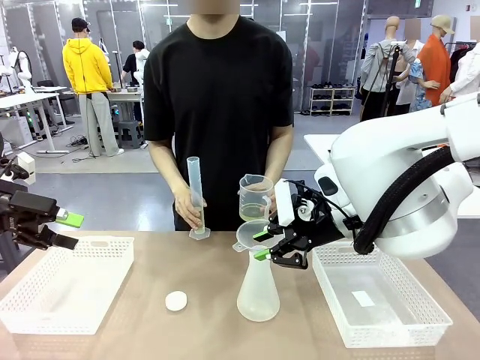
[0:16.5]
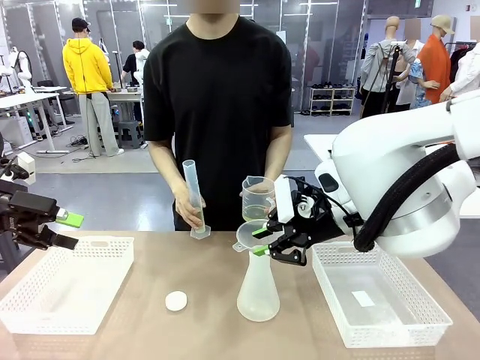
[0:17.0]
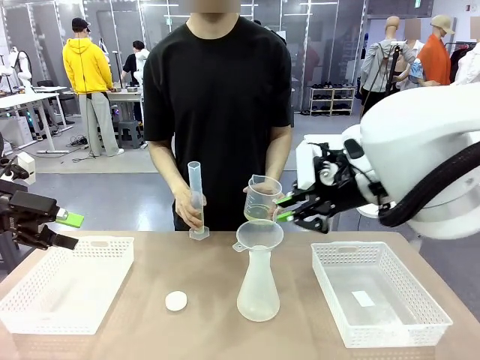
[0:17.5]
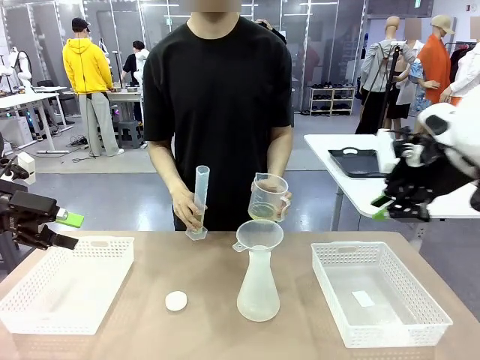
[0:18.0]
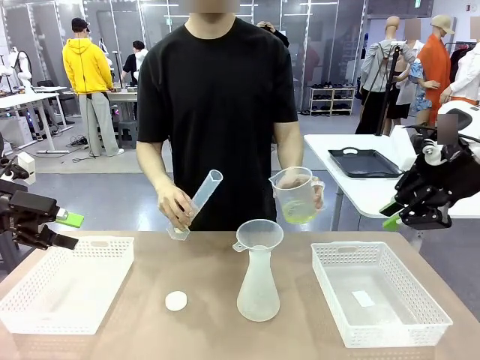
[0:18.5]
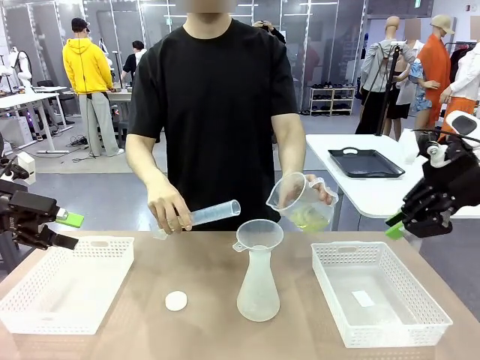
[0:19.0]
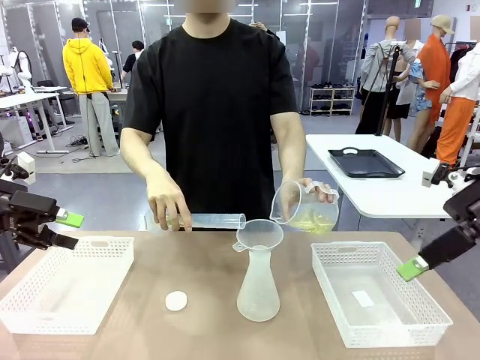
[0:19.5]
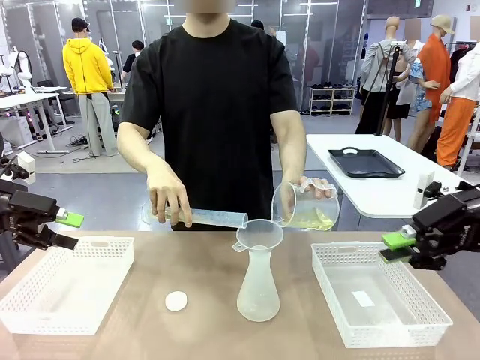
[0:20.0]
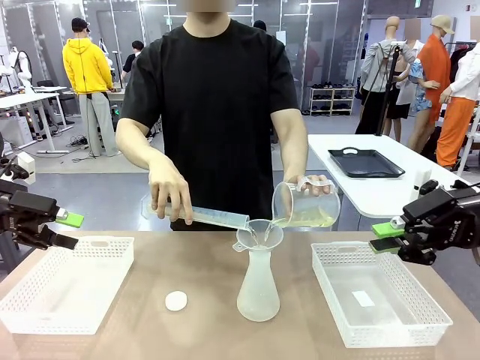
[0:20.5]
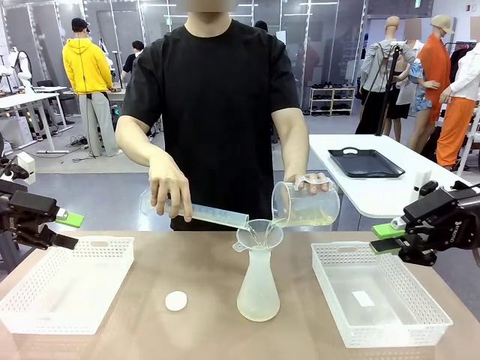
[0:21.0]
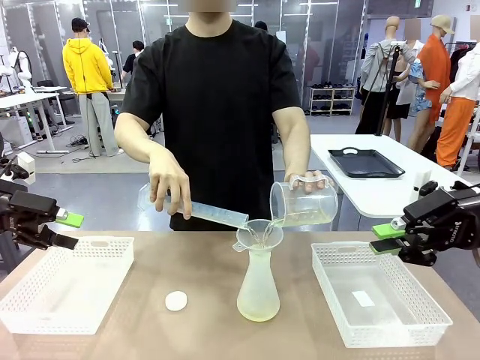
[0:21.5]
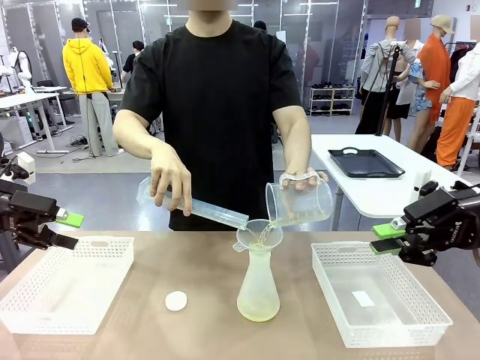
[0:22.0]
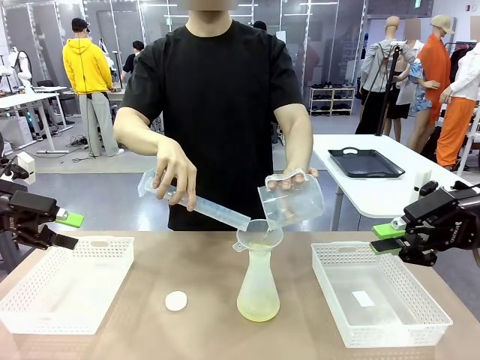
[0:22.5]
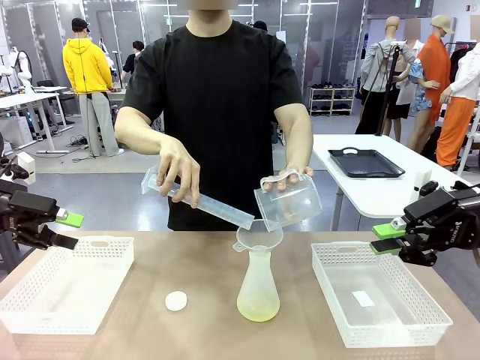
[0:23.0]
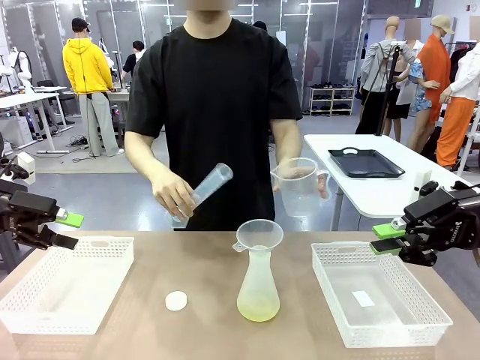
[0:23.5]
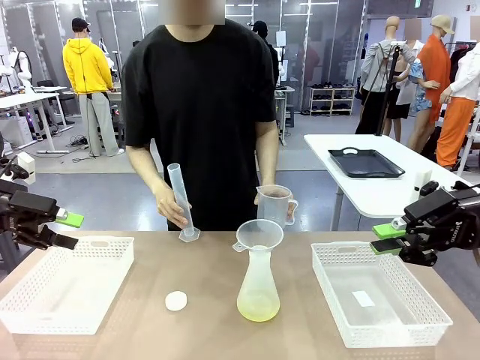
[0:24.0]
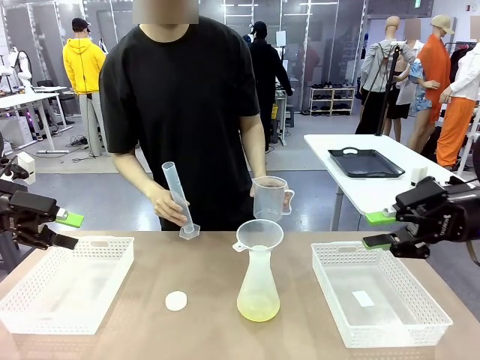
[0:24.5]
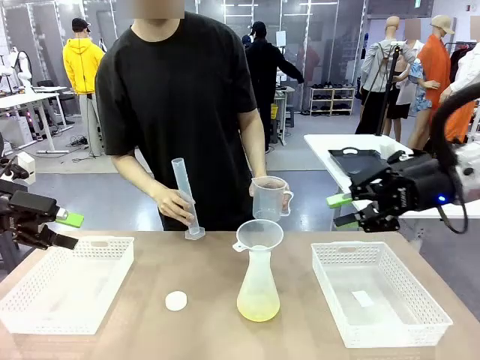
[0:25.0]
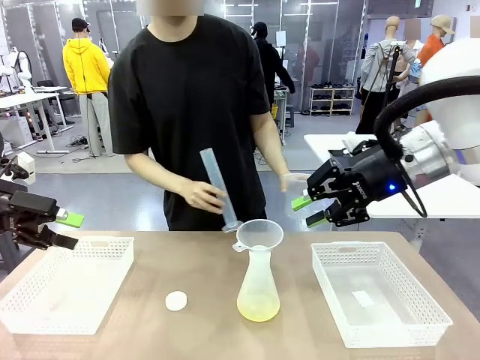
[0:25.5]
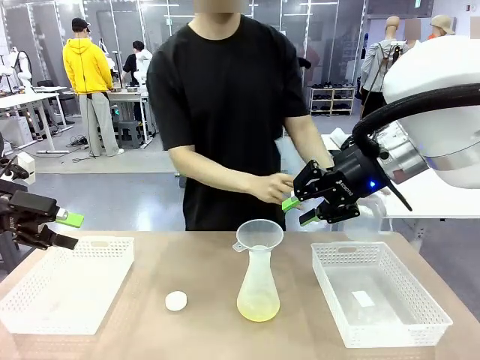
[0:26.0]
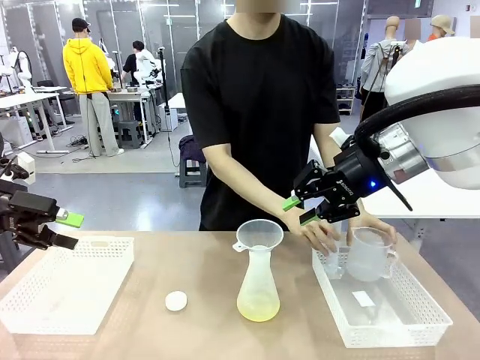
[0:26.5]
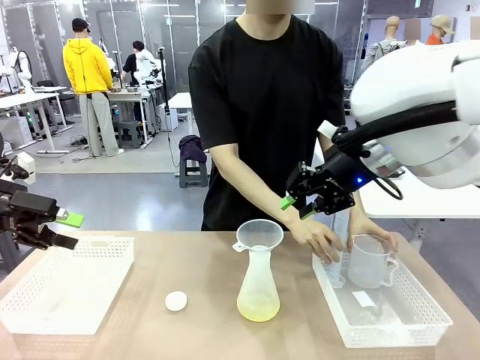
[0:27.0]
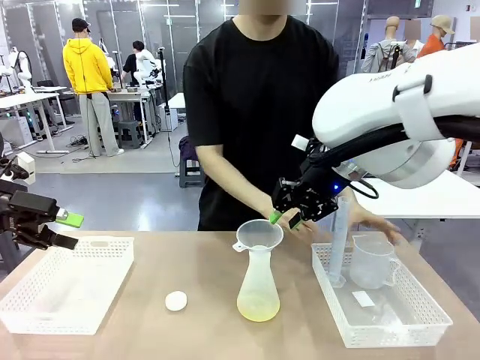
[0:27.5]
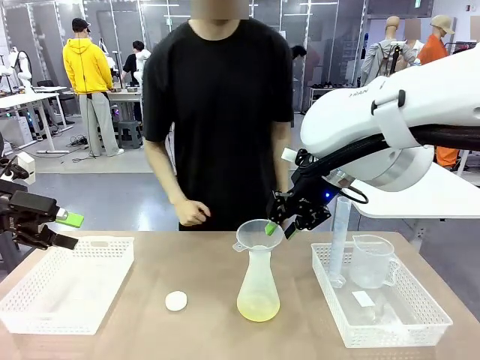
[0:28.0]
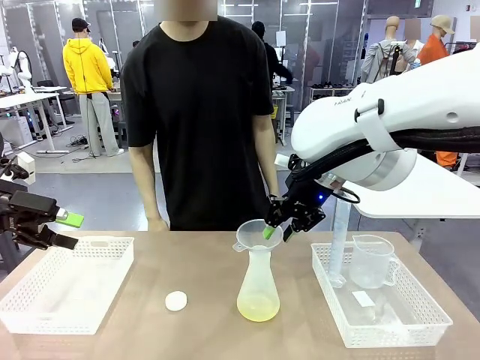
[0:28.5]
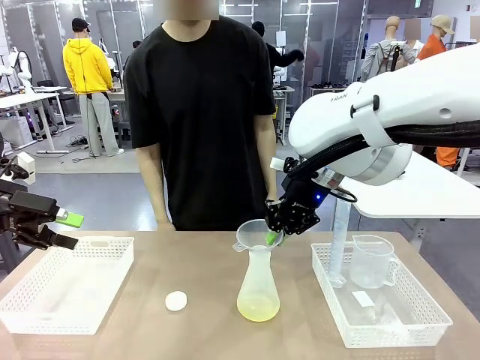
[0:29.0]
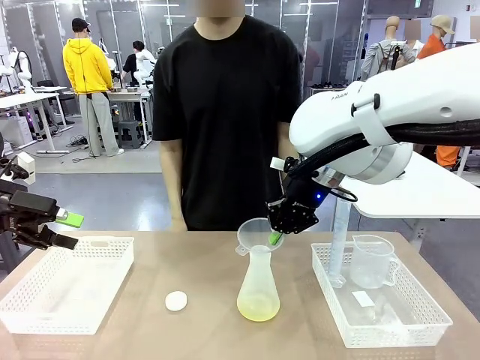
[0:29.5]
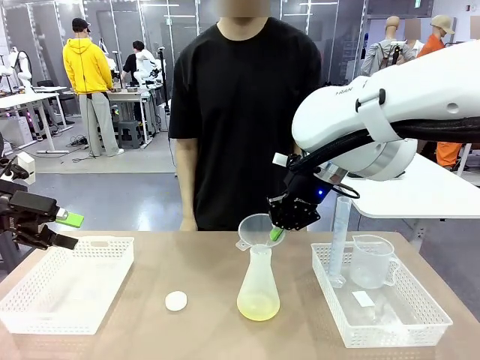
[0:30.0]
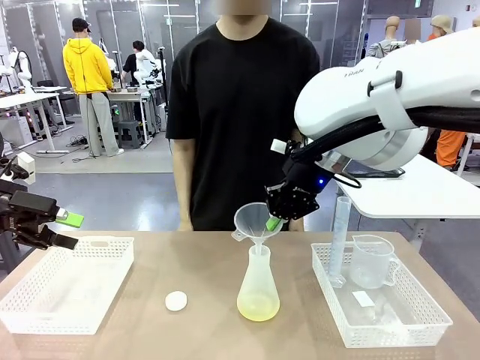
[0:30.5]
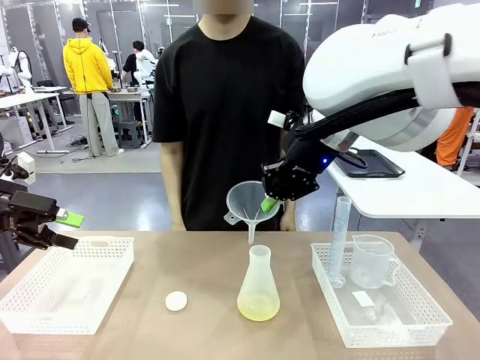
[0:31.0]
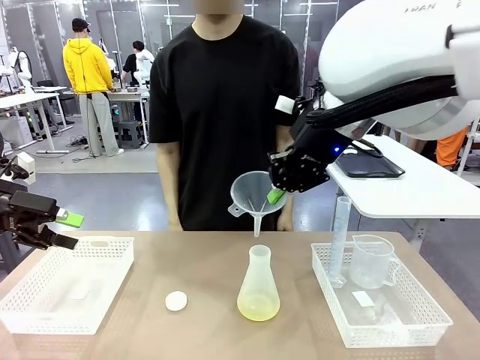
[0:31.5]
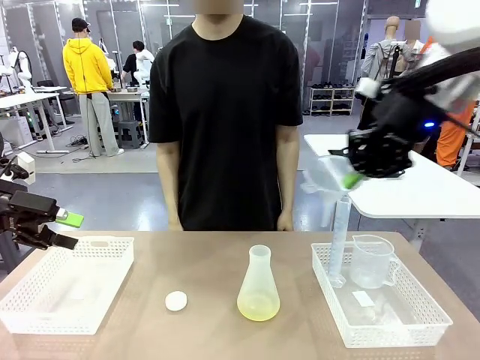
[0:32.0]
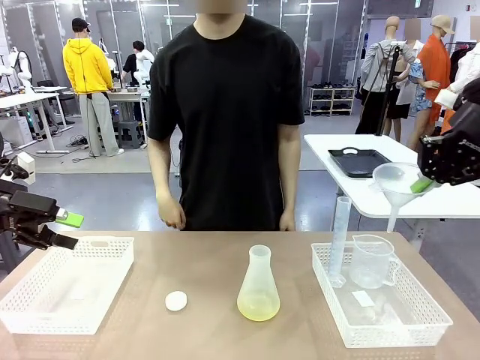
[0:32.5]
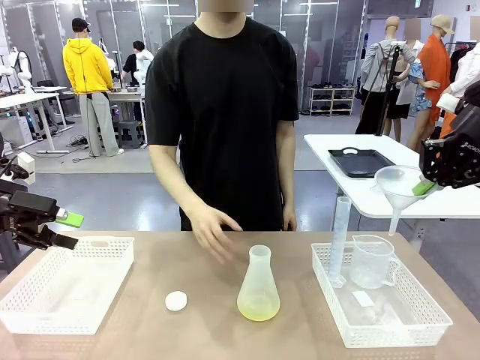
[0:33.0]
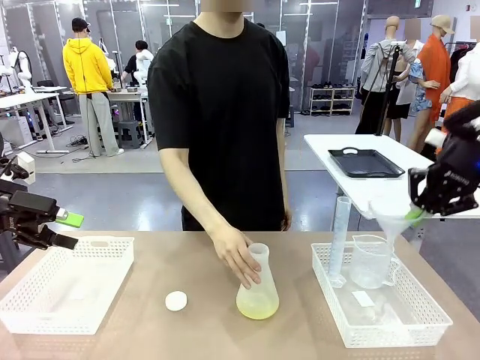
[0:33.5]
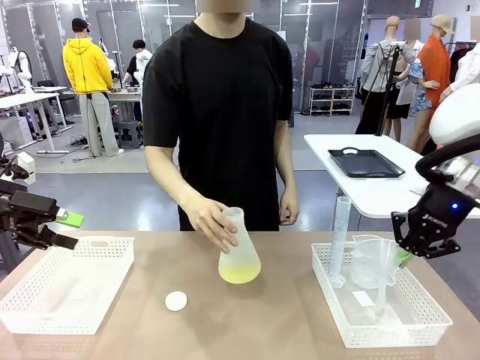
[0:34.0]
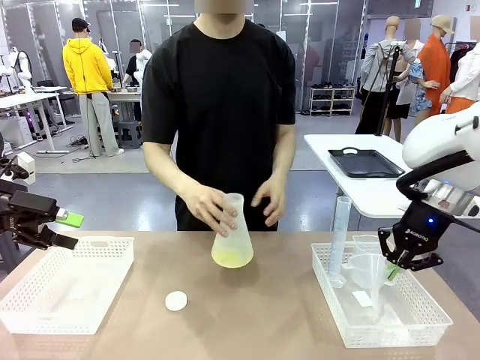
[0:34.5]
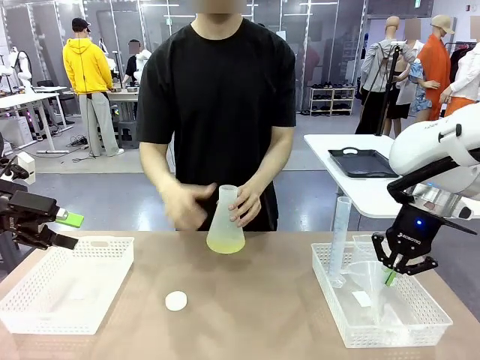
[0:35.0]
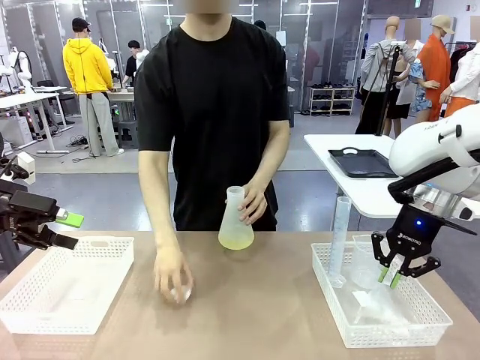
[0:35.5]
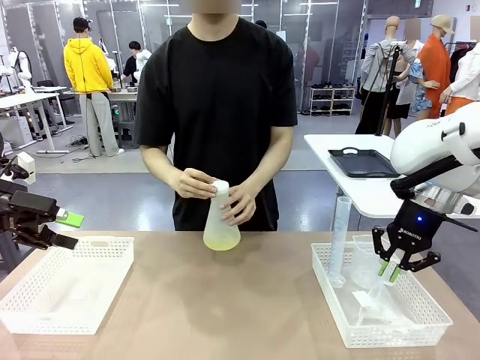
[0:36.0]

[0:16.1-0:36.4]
Task: Prepare the solutions needed for the experiment.
Robot: Once the solution is in the Big flask , pick up the Plastic Funnel and place it back into the right Organizing basket.
Person: Pour the solution from the beaker and the cylinder into the flask. Place the beaker and the cylinder into the organizing basket on the left side. Pick up the flask, gently shake it 2–3 times, place it in the middle of the robot table, and close the lid.

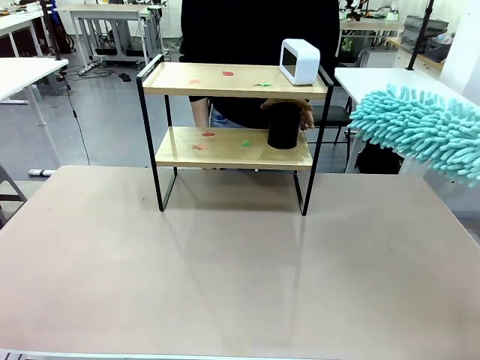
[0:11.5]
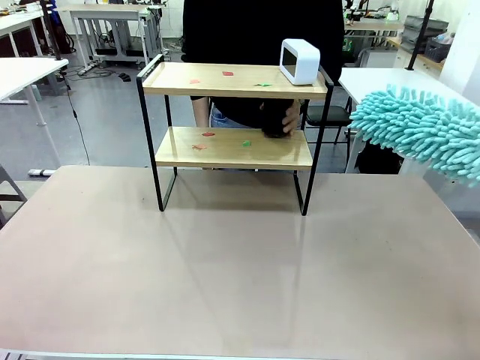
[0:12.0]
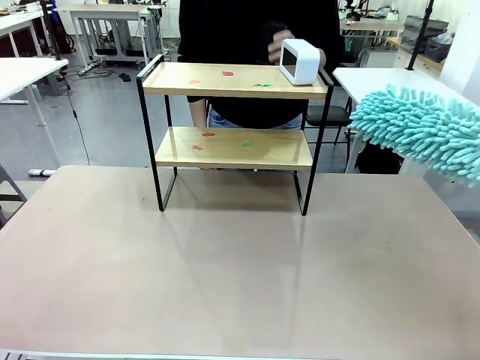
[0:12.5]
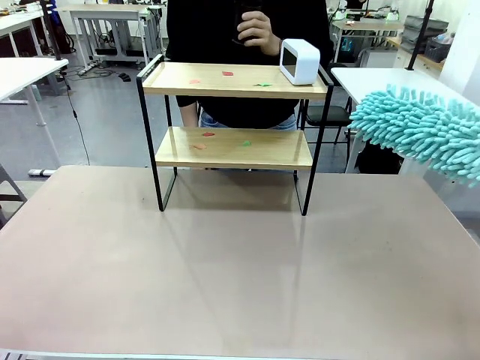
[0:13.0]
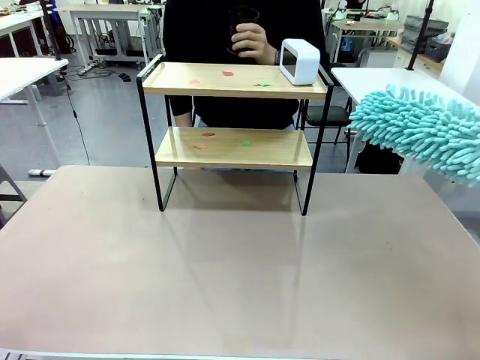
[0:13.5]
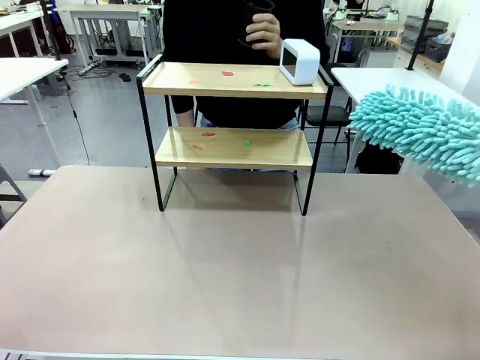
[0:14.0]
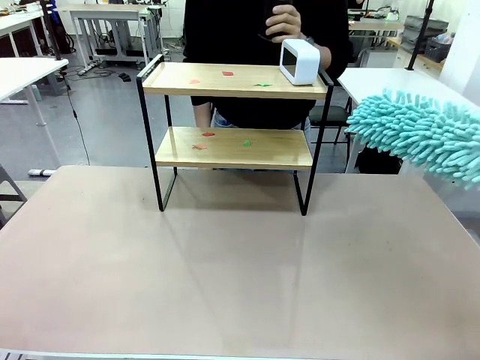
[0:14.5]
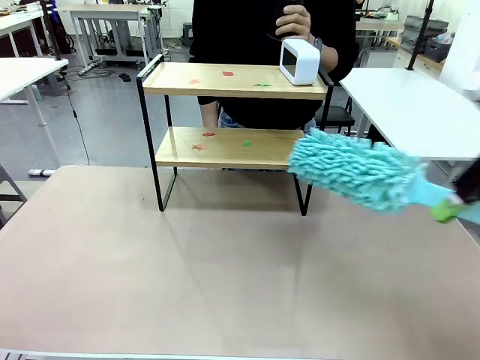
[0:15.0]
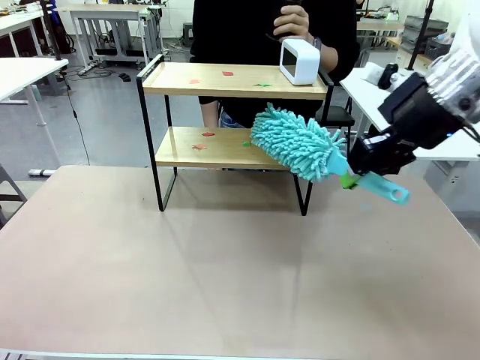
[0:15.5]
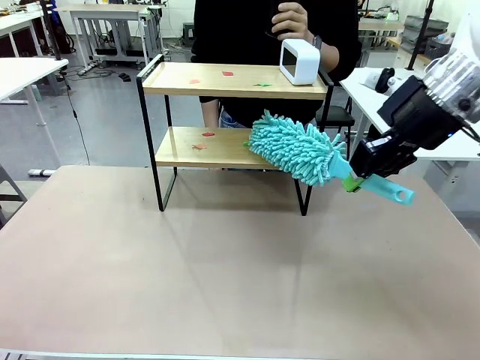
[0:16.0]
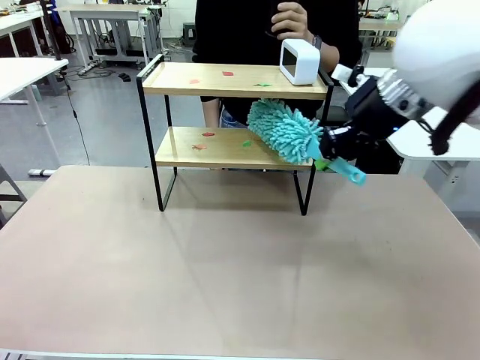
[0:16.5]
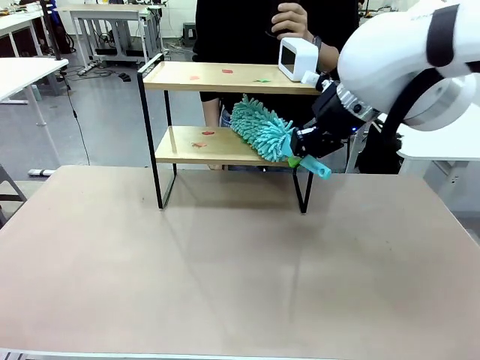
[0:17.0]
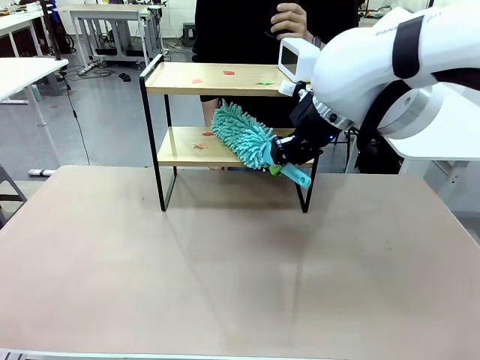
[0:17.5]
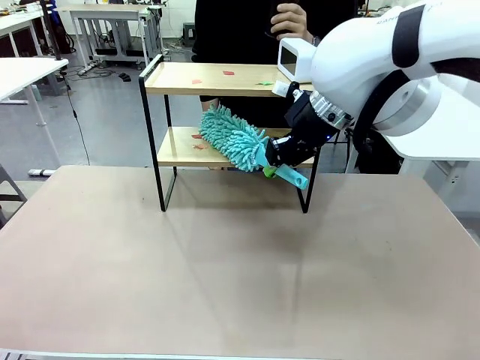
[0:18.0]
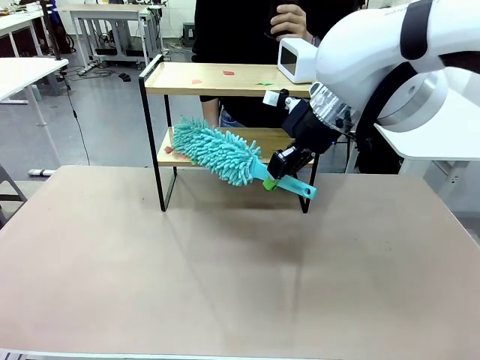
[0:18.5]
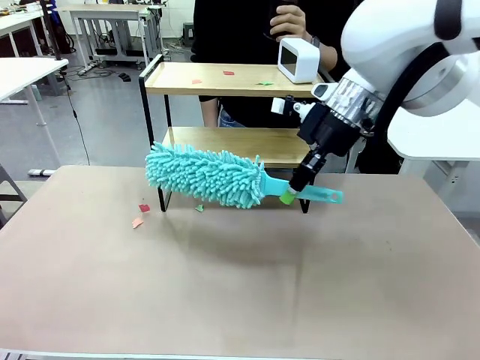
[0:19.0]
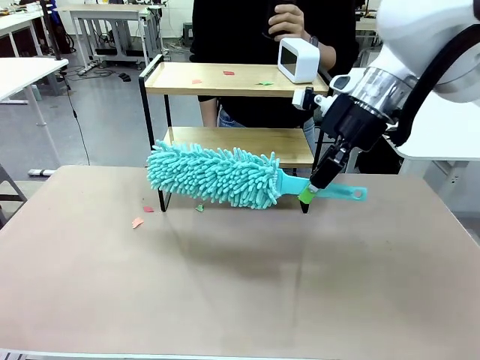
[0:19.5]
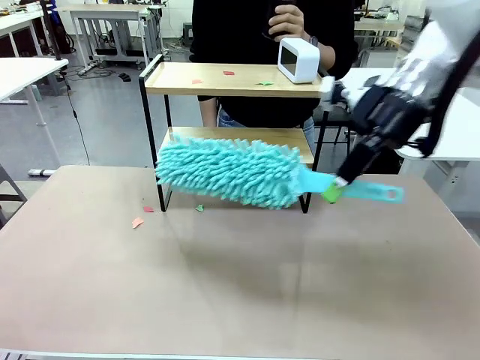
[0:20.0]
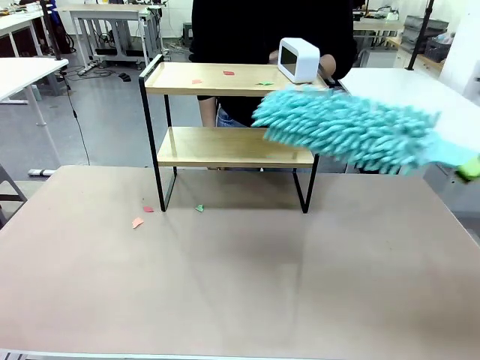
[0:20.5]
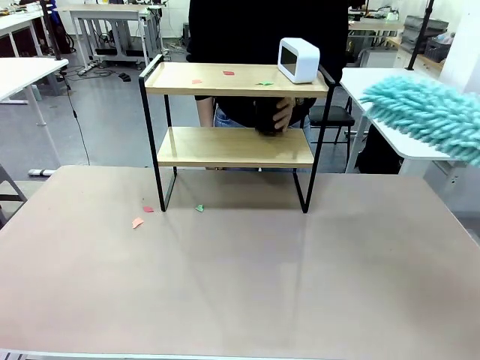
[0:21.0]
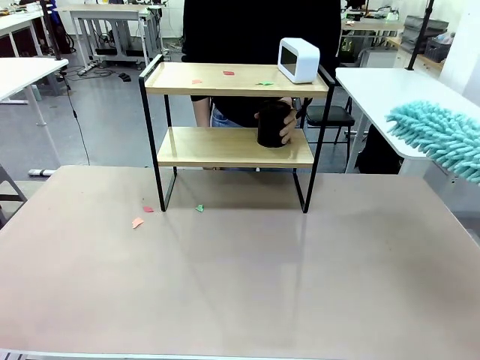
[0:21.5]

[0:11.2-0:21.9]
Task: Clean the shelf.
Robot: Clean the specific tier of the Shelf with the Duster once objects are removed.
Person: Lift the objects on a randomly selected tier of the Shelf. Once the robot finishes cleaning, lift the objects on the remaining tiers of the Shelf.
